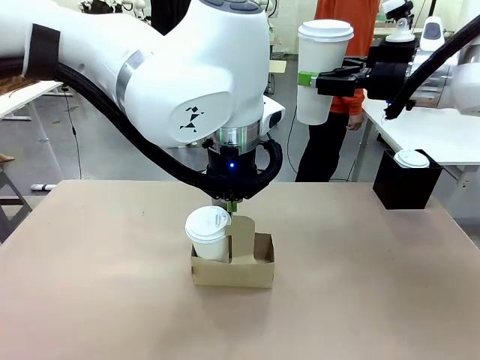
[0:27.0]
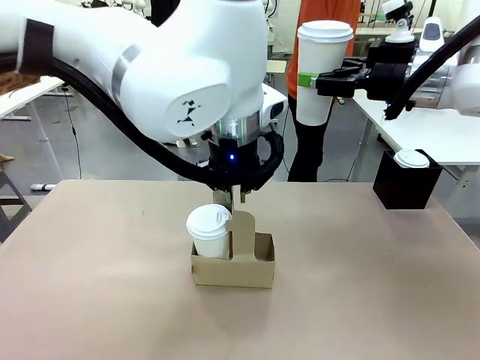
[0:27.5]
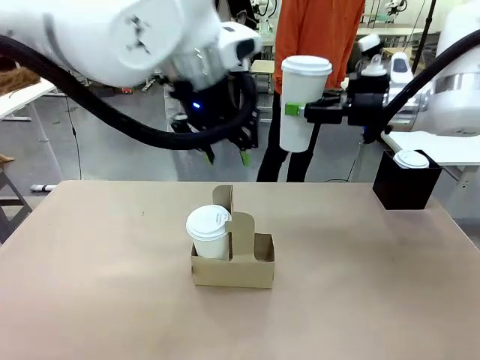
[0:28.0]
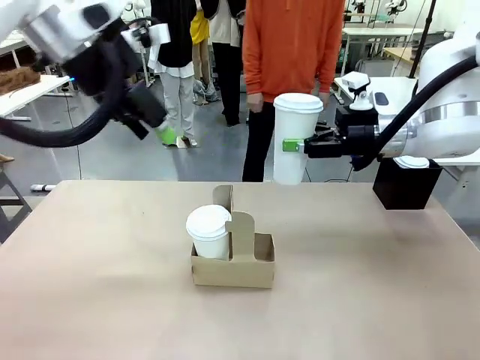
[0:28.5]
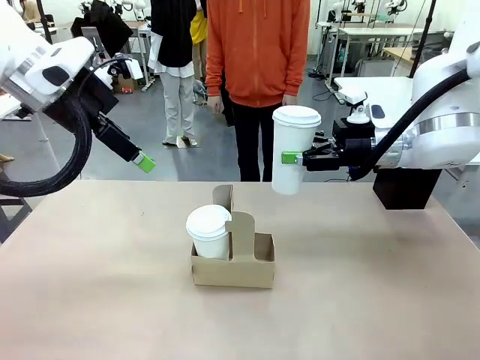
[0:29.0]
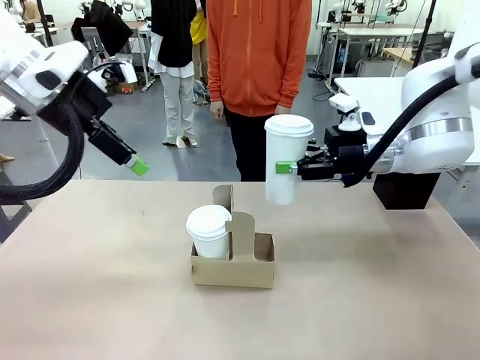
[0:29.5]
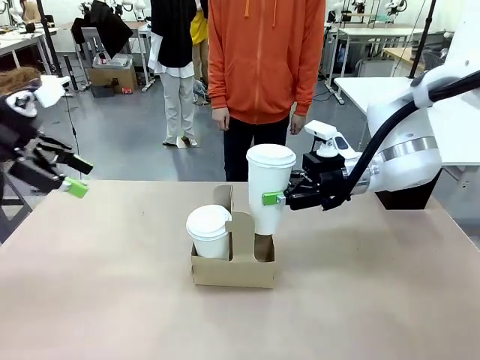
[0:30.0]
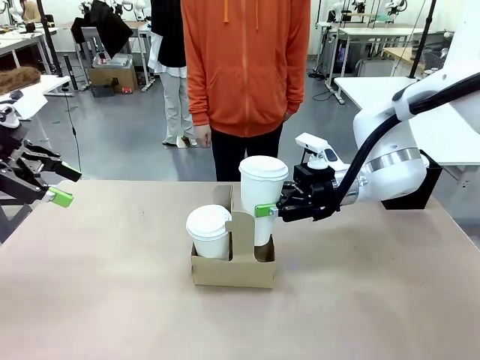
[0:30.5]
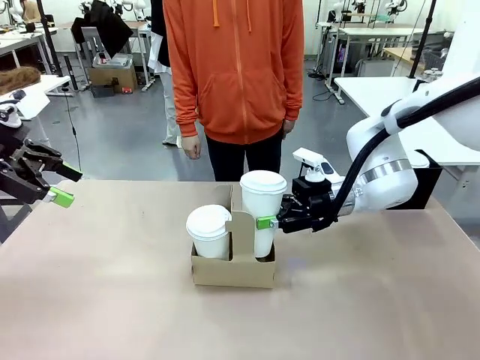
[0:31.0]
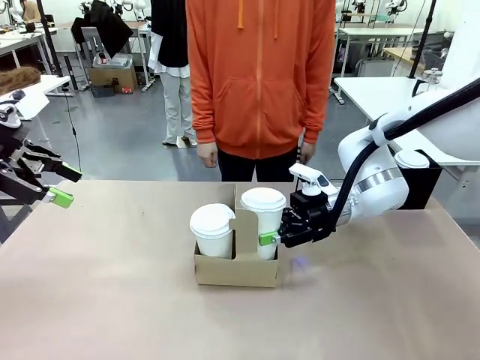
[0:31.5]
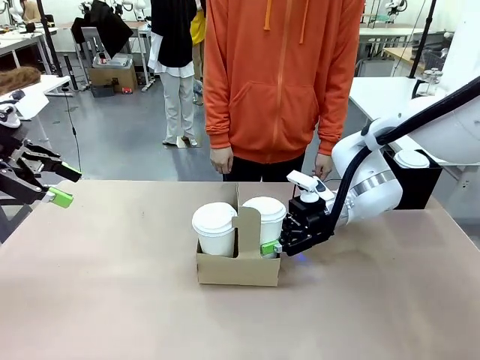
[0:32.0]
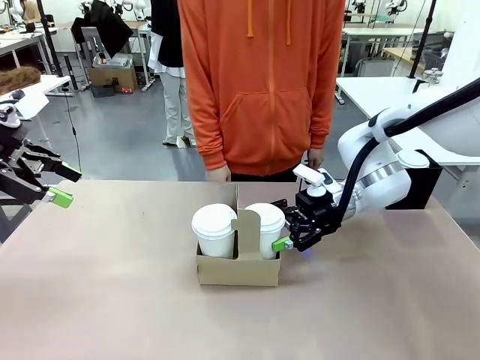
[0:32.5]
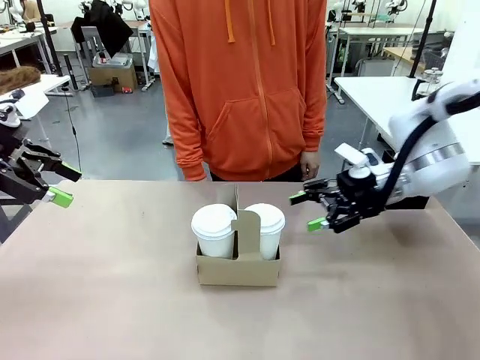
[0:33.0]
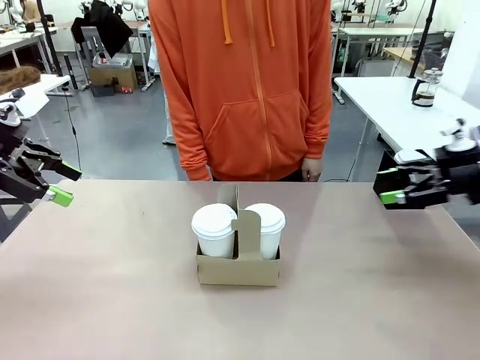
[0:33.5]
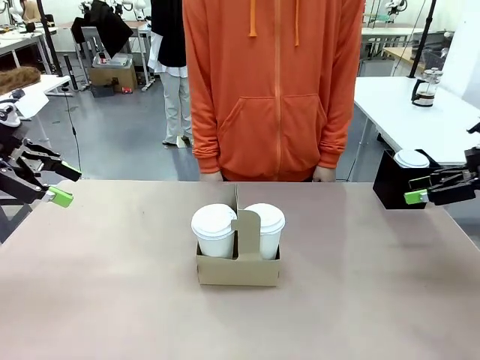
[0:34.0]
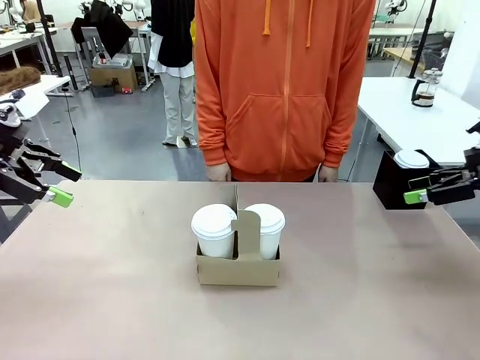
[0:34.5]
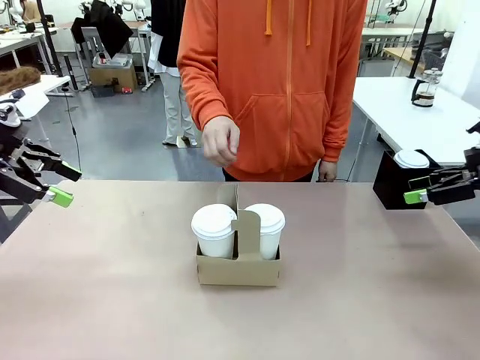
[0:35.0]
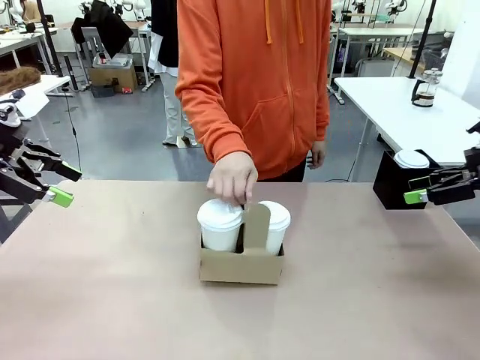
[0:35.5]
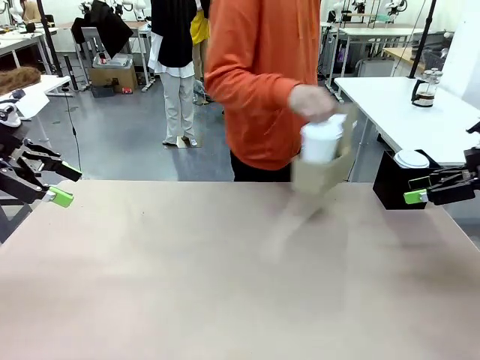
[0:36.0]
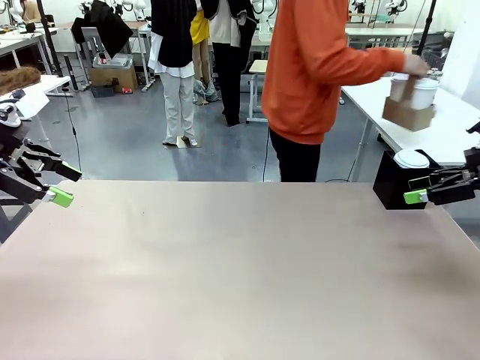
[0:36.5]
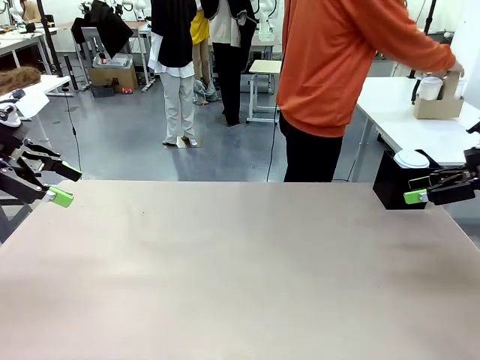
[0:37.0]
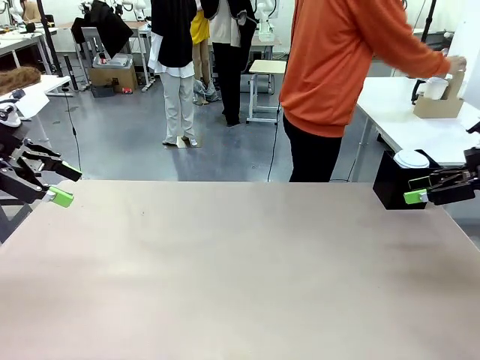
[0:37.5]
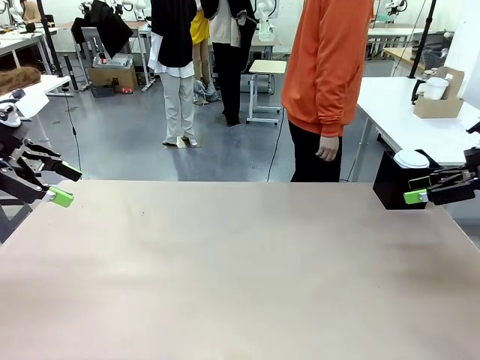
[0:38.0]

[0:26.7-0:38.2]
Task: Pour a drink into a cup and package it in a carrier.
Robot: Insert the held 600 ml Paper Cup into the Cup Carrier.
Person: Place the Cup Carrier to the middle of Human table.

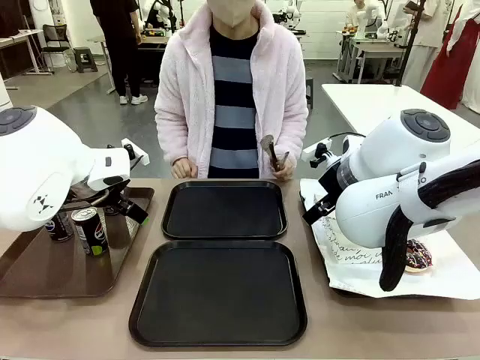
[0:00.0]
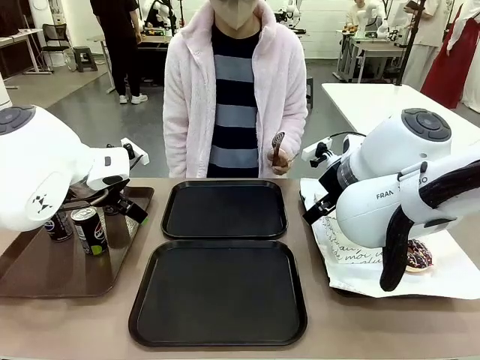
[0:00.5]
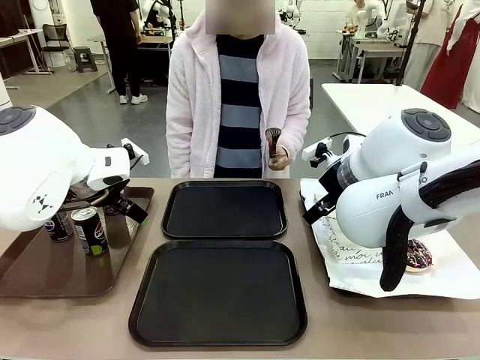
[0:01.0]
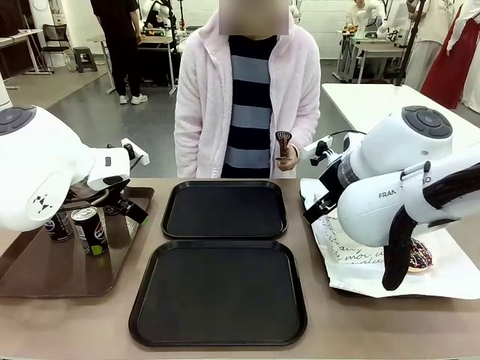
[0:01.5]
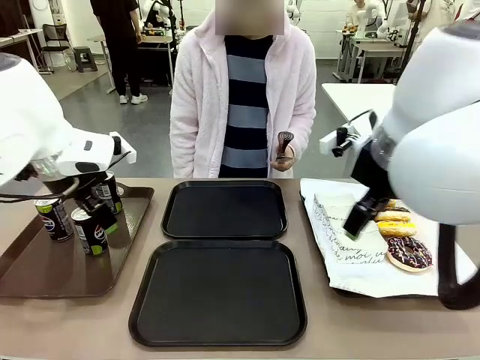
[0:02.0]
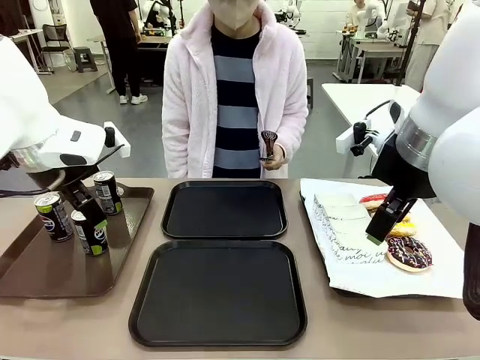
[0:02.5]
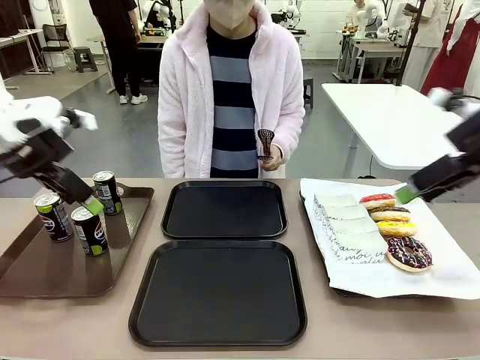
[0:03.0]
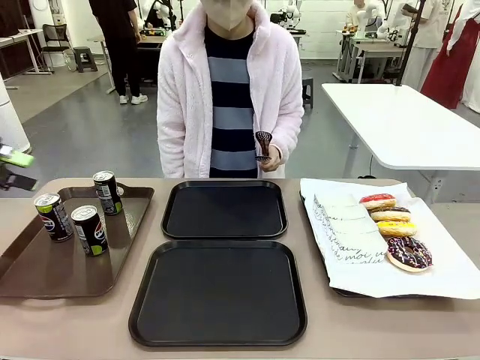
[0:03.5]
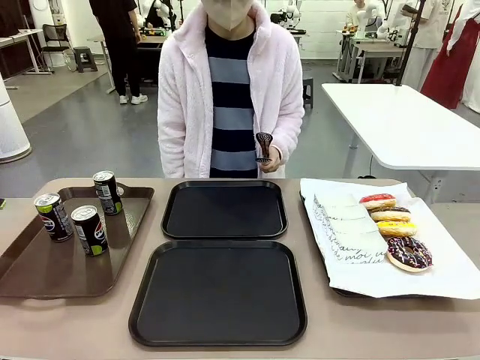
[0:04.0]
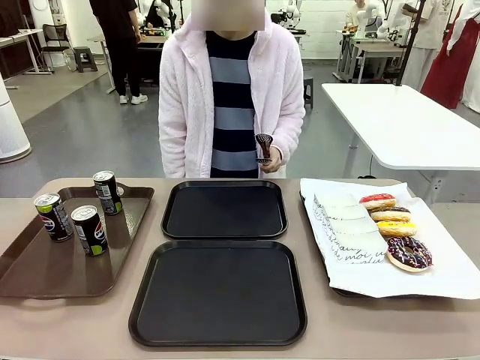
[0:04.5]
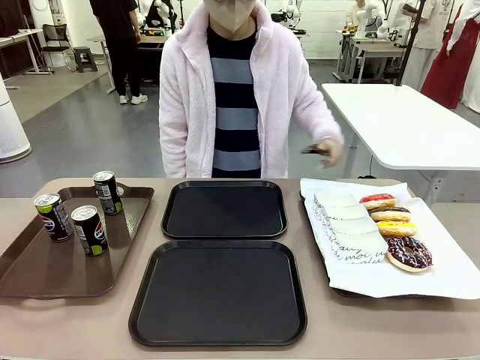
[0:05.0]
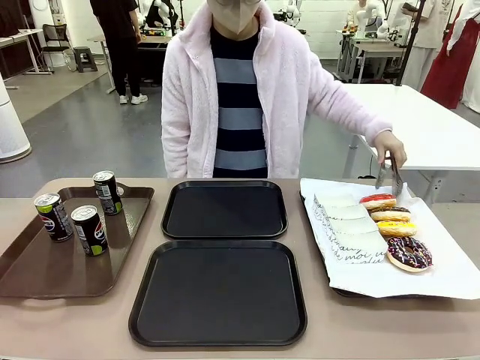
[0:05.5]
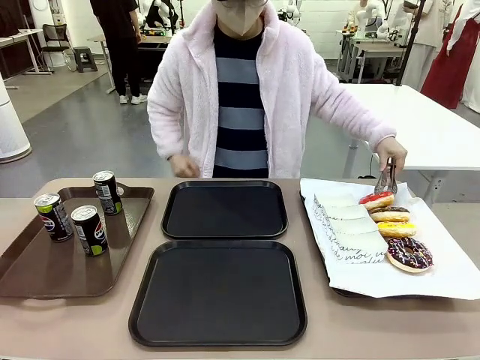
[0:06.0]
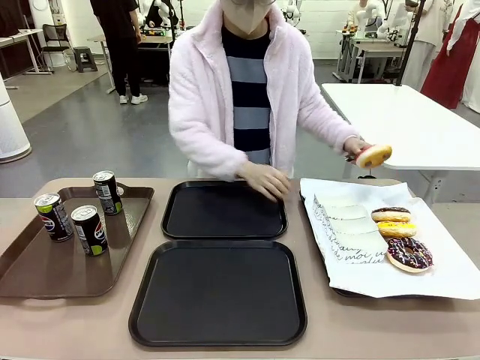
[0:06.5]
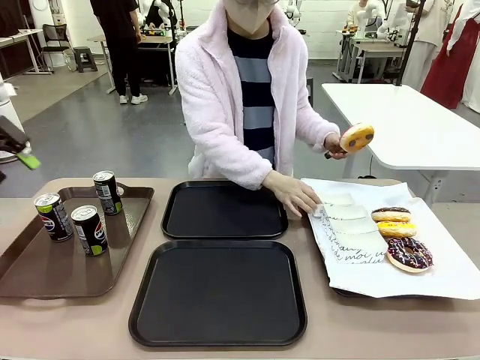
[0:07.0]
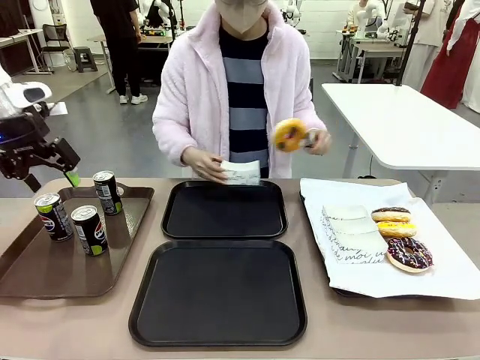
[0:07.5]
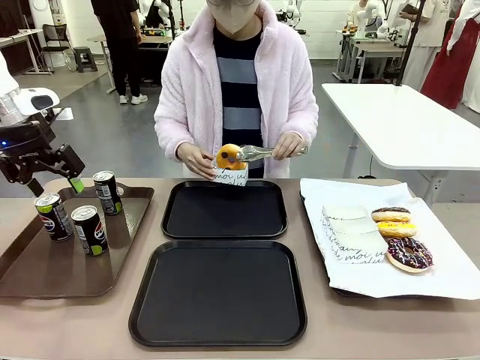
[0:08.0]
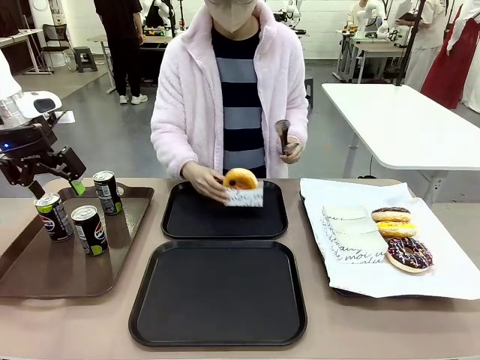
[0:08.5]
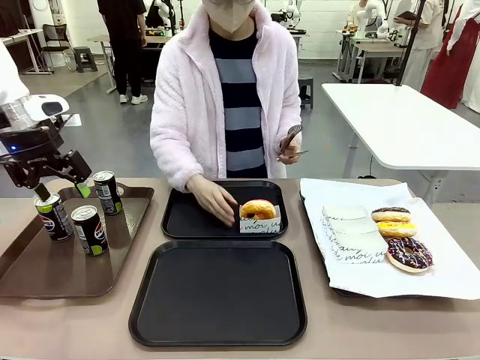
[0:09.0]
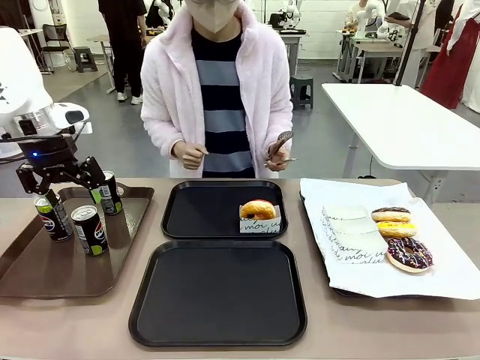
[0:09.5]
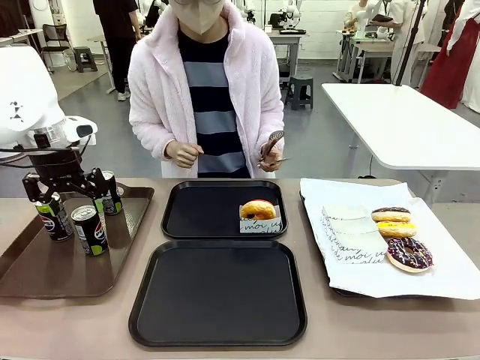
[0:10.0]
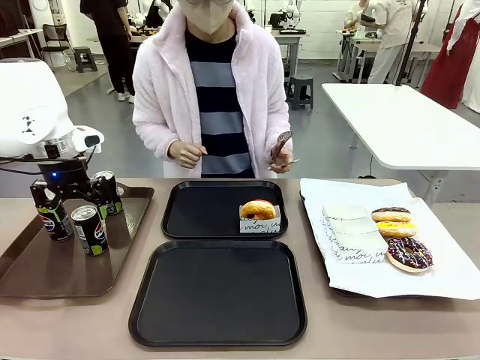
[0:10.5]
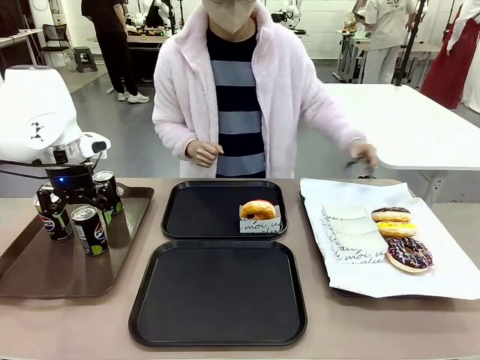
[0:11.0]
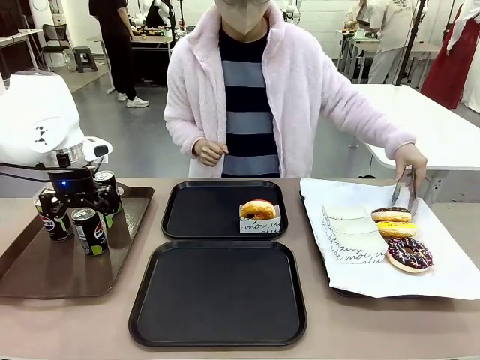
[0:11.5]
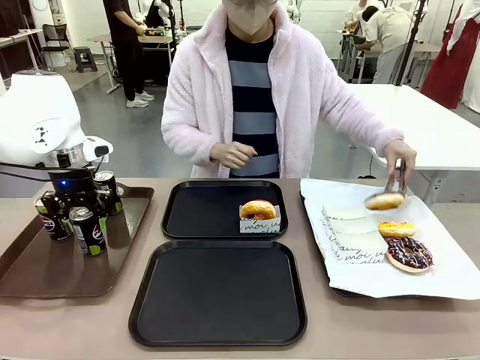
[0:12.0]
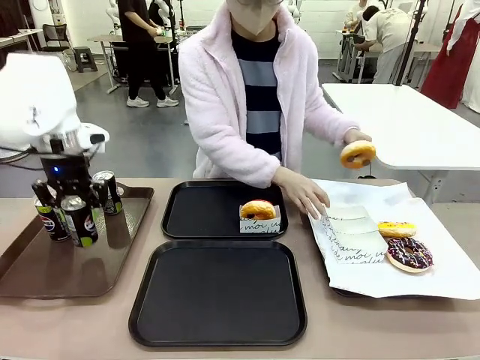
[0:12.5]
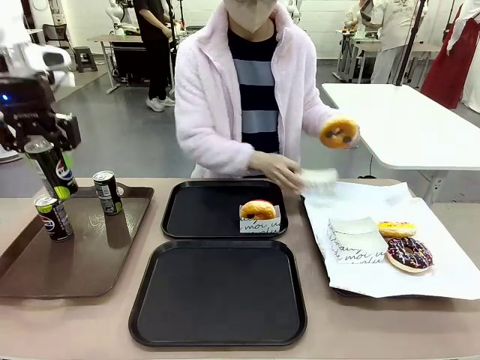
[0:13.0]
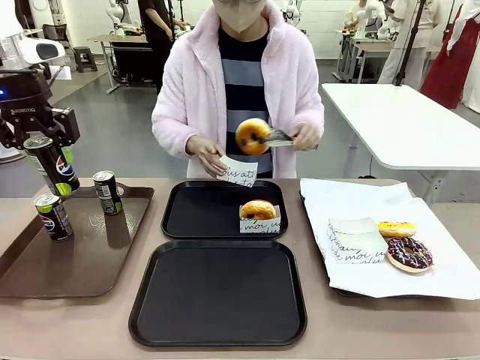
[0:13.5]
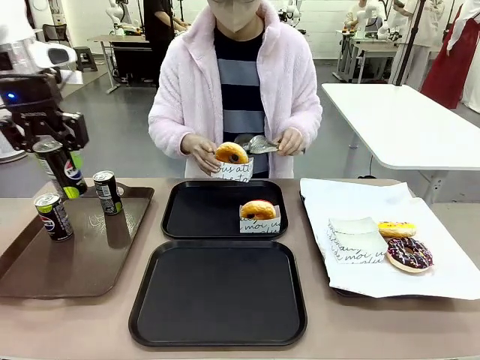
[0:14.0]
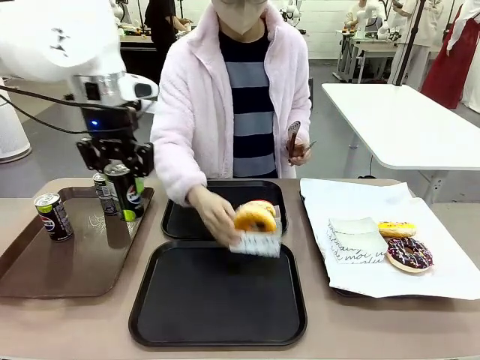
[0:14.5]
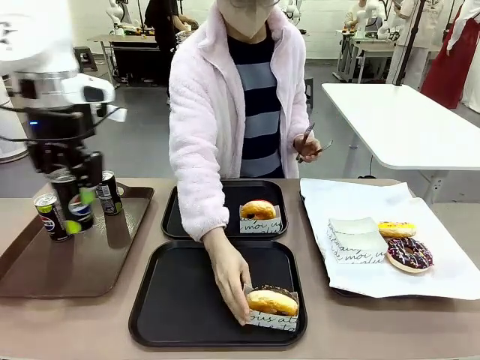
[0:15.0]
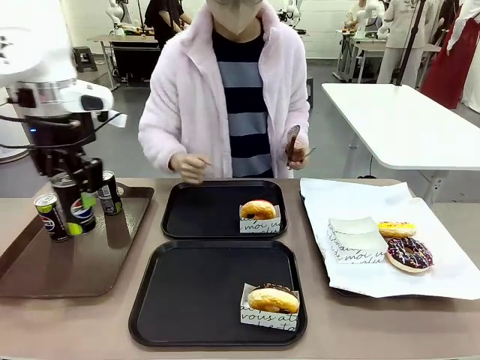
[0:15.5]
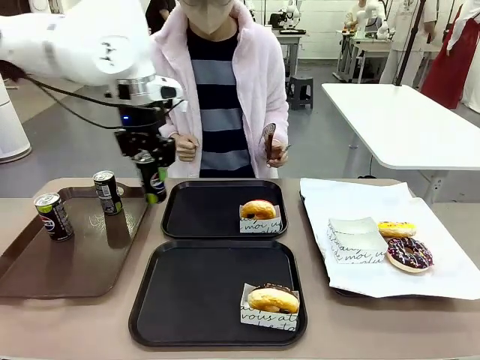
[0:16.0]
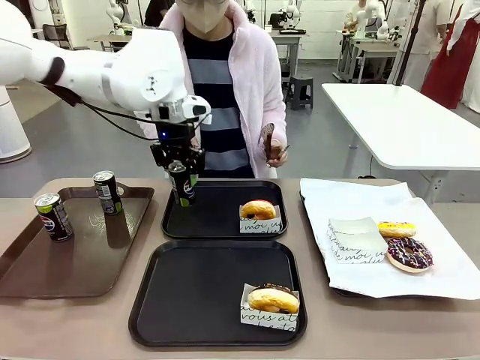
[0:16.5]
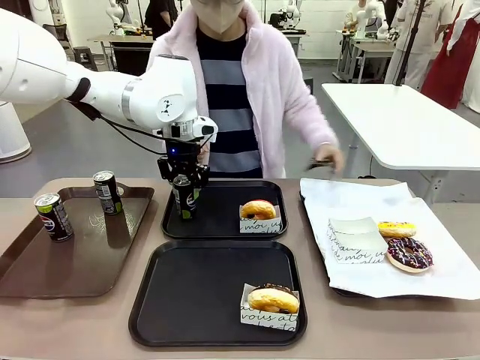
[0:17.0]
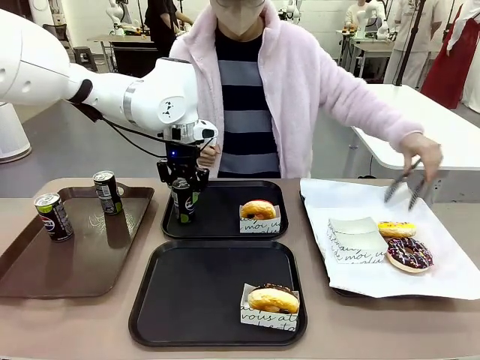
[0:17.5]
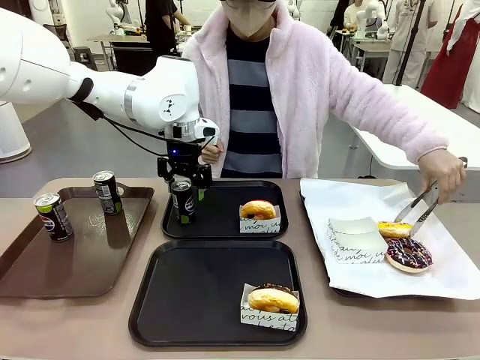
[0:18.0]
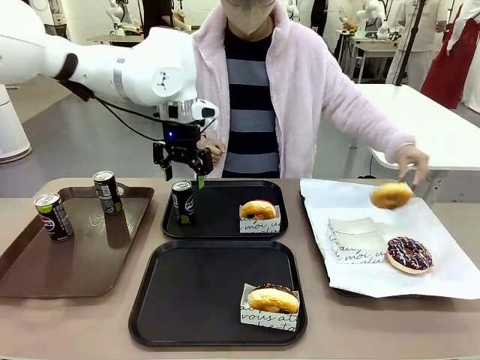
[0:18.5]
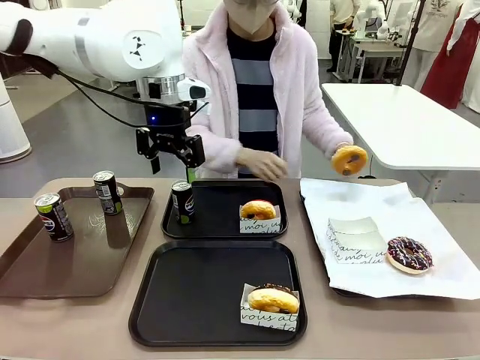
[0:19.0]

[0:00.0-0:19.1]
Task: Set up donuts and drinks on trays.
Robot: Pick up one Pepsi coke and place it on the Flat Tray.
